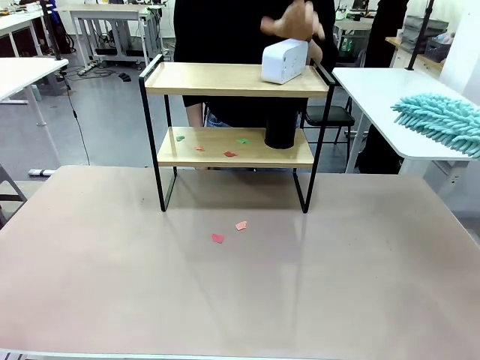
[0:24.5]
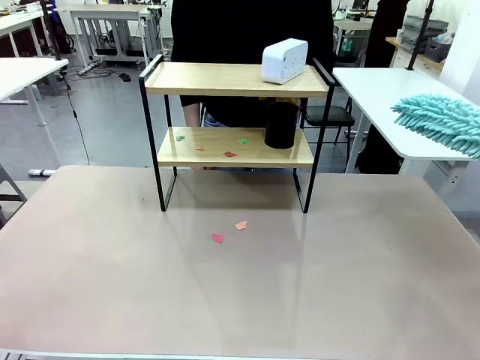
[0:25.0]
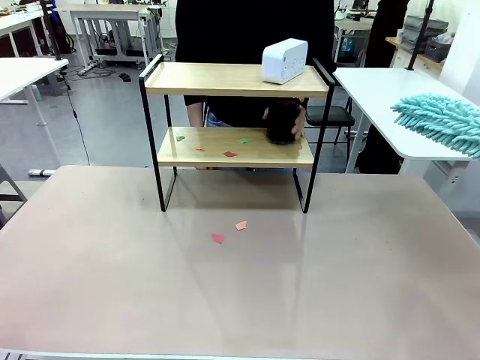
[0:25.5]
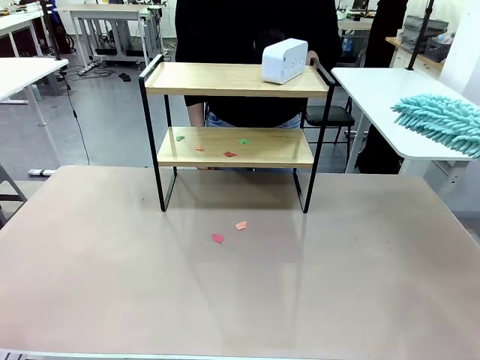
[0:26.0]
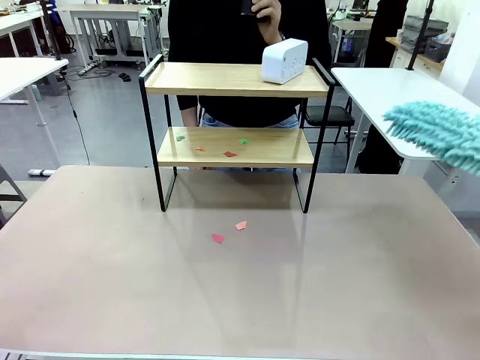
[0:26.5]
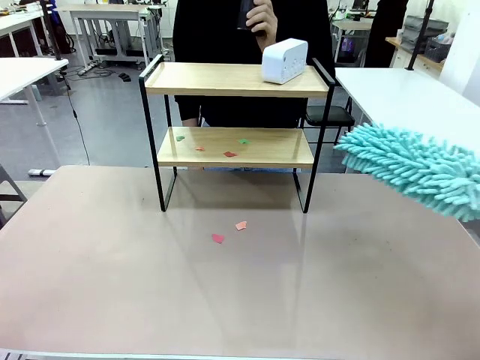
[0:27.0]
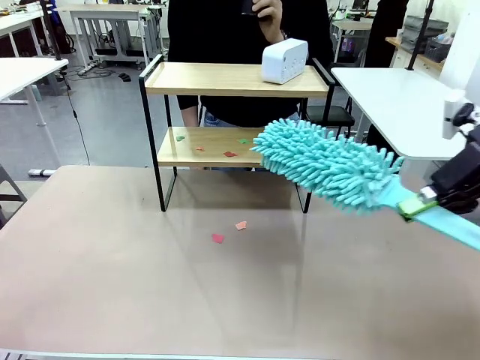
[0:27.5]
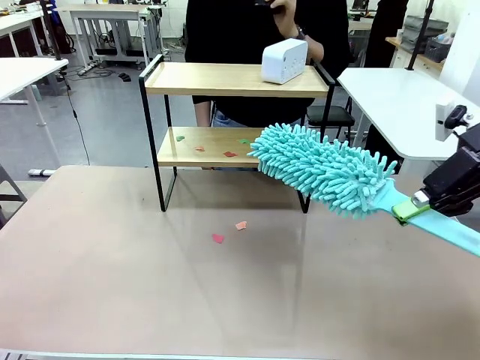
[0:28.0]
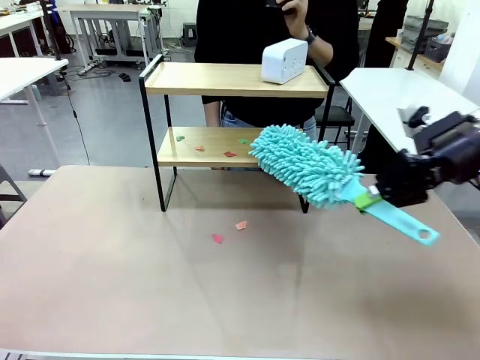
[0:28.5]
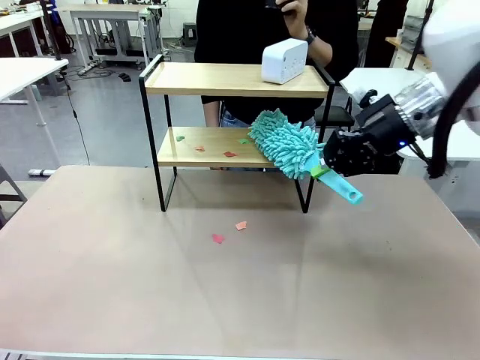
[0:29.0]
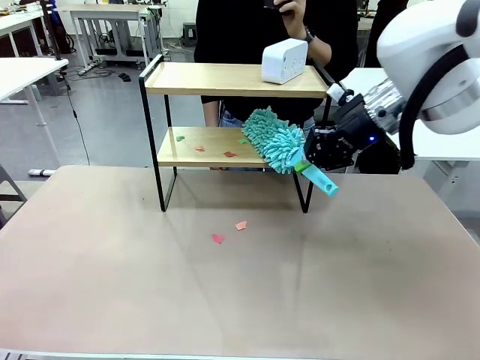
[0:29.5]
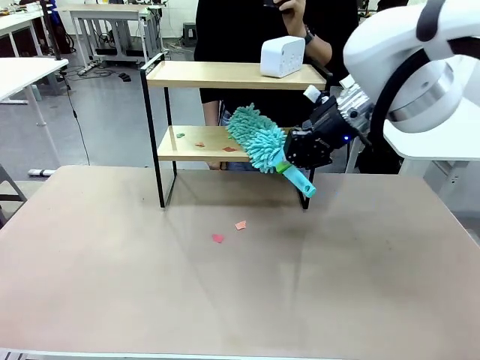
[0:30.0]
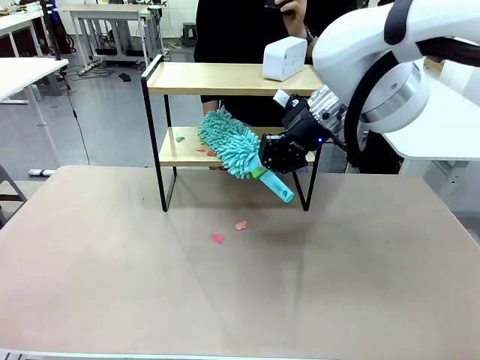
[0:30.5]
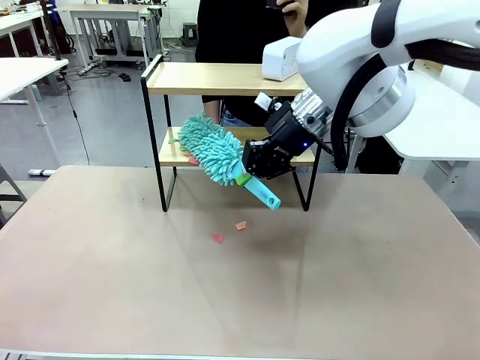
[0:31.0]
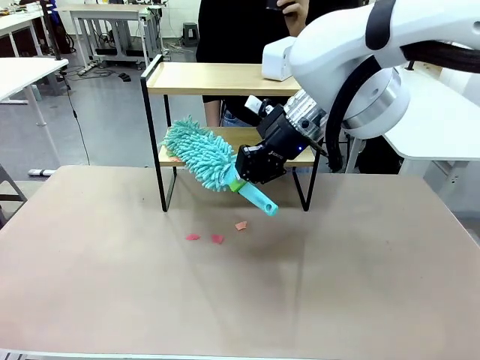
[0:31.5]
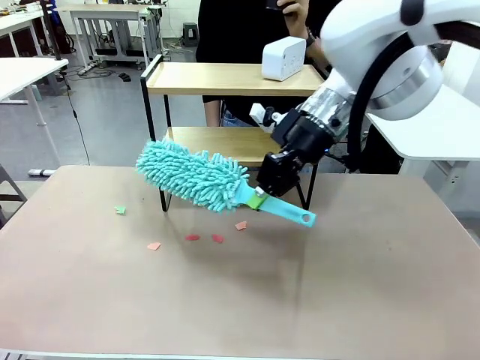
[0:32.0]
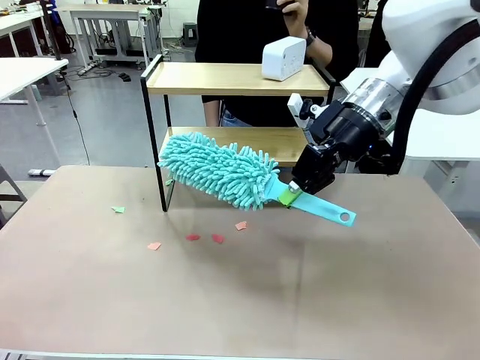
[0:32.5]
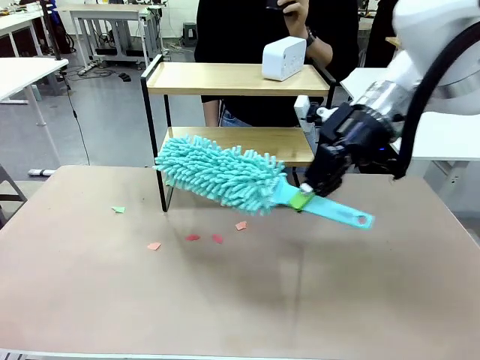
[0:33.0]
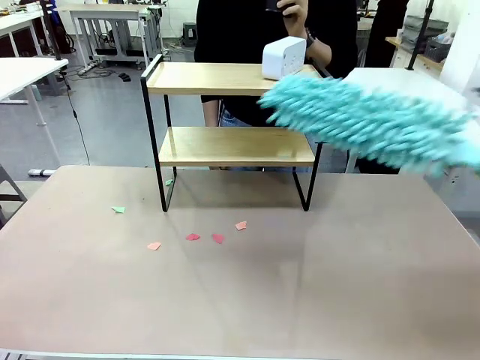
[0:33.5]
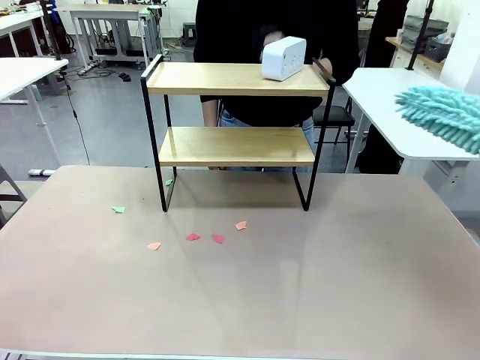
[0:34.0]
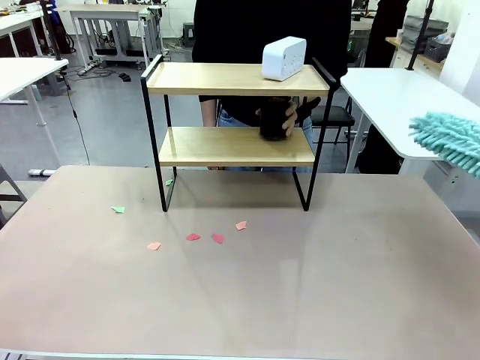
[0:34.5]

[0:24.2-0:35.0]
Task: Clean the shelf.
Robot: Clean the remaining tier of the Shelf with the Duster once objects are removed.

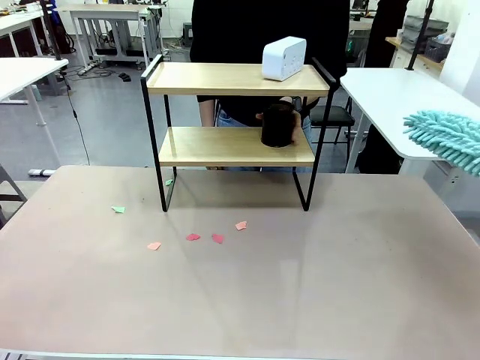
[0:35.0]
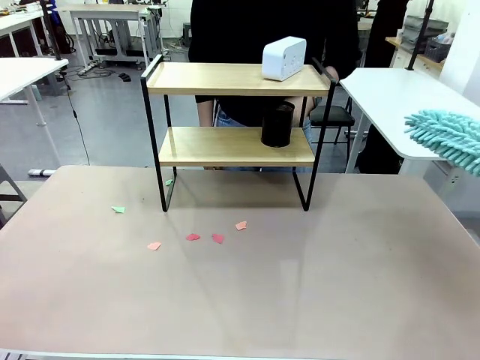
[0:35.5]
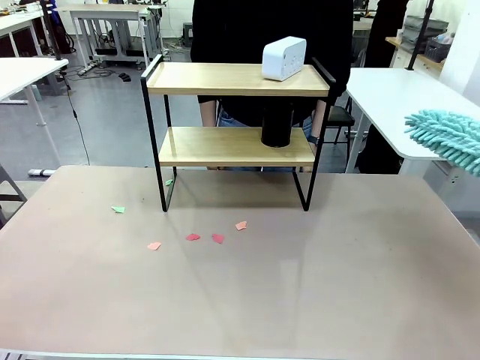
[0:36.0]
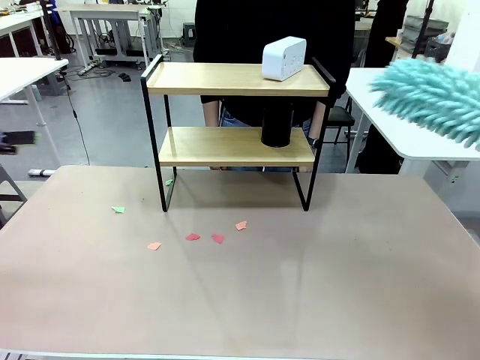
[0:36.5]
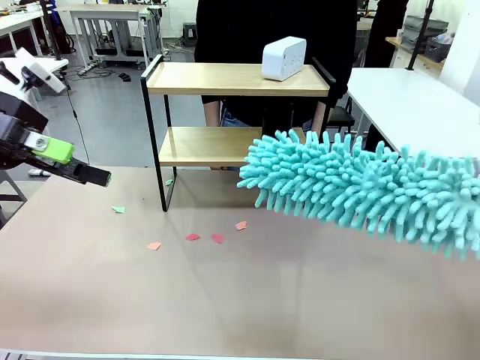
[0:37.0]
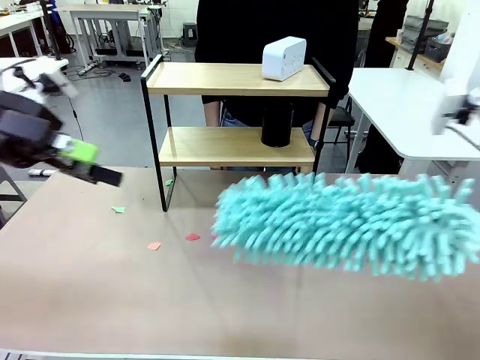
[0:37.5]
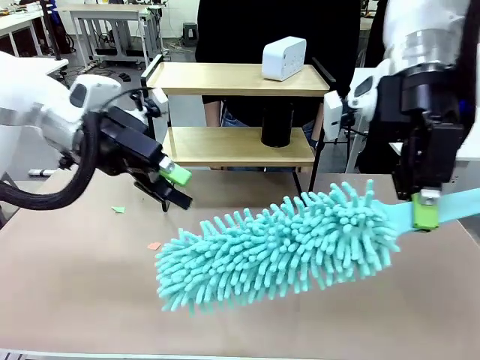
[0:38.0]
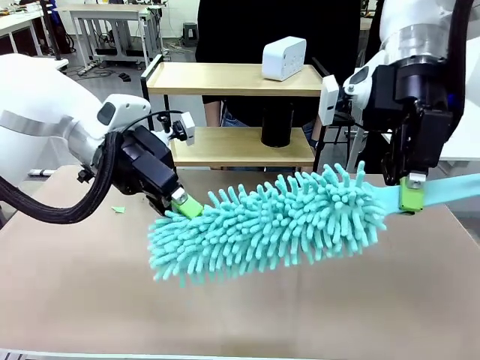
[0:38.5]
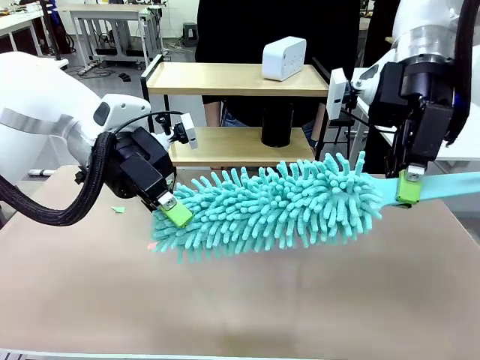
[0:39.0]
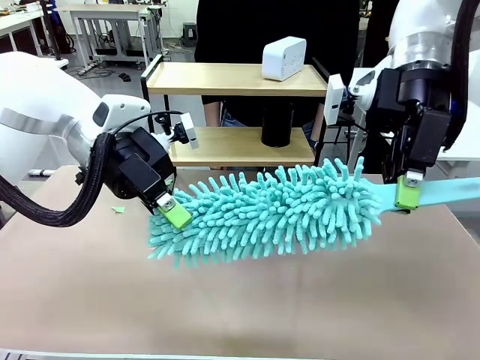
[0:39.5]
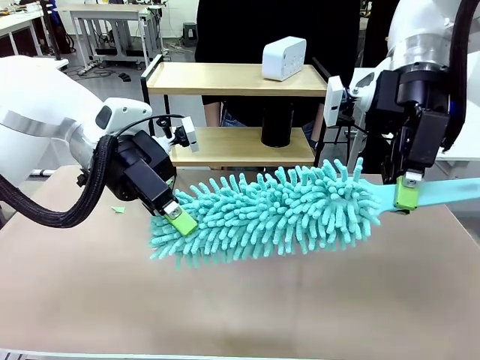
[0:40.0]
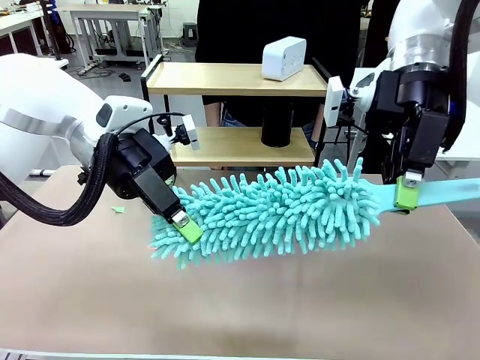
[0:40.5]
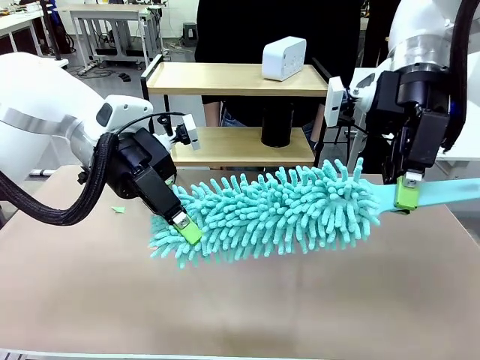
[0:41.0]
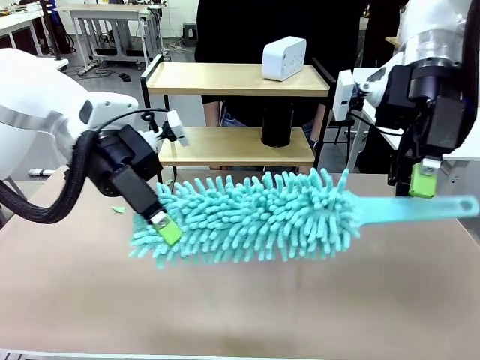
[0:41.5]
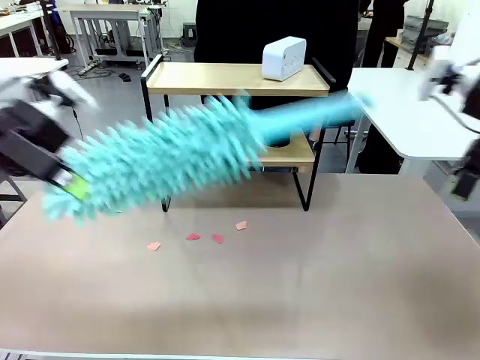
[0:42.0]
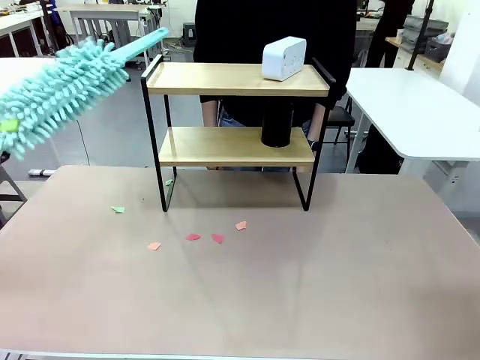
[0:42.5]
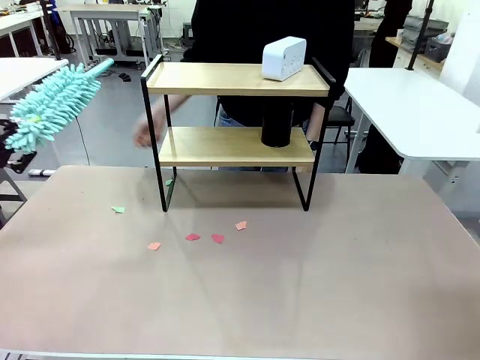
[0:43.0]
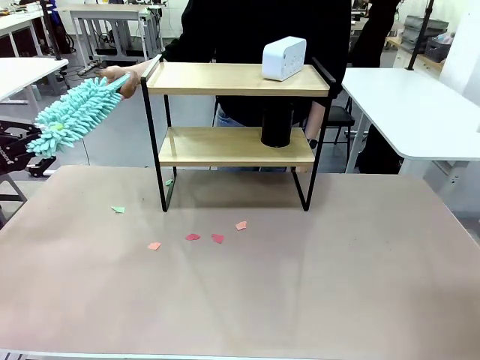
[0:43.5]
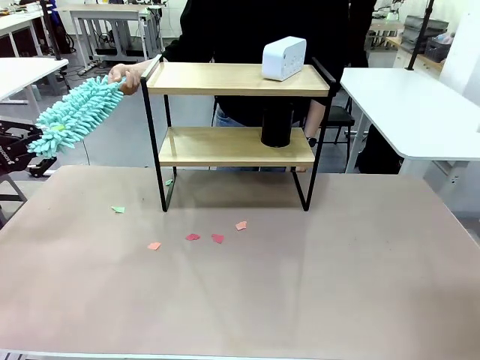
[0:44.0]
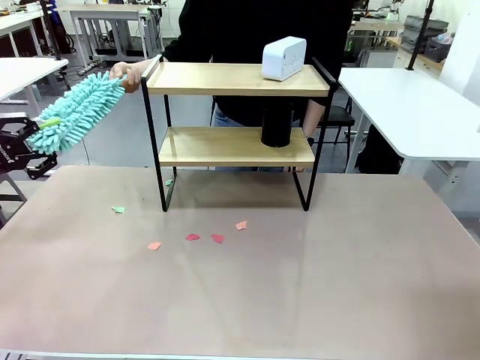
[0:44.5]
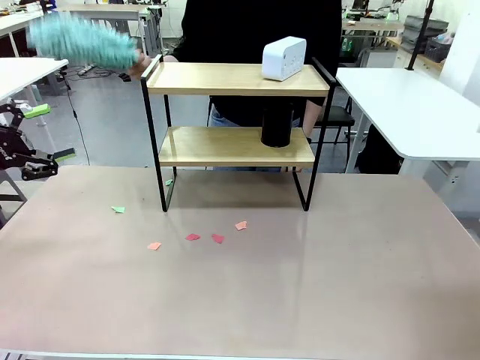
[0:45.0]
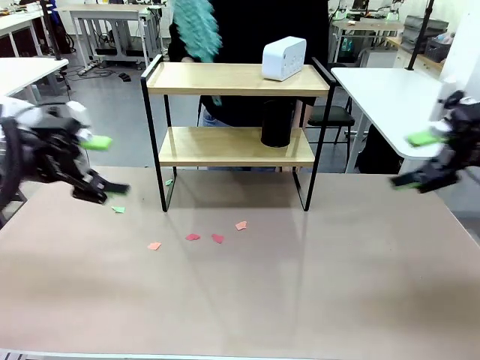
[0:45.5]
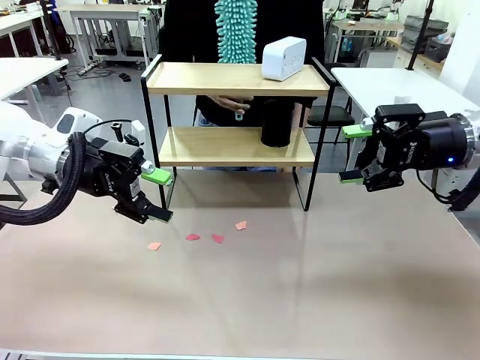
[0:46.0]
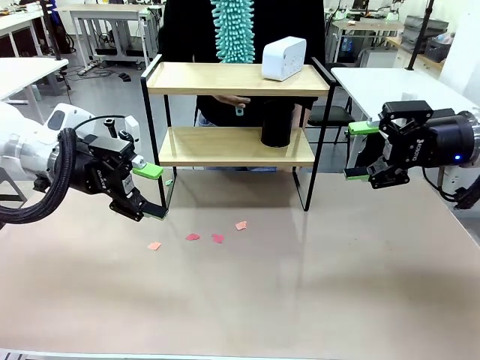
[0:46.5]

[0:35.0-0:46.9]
Robot: Hand the Duster back to the human.
Person: Receive the Duster from the robot.

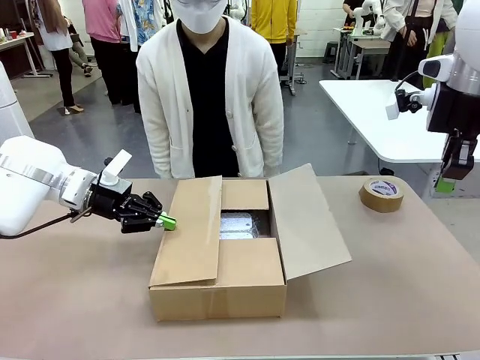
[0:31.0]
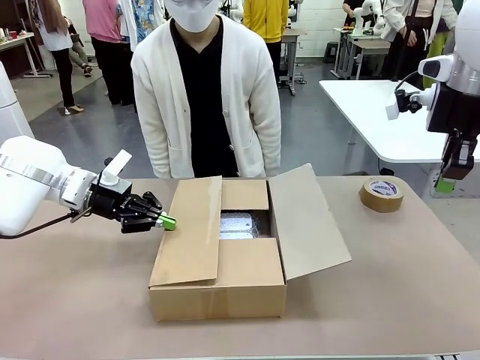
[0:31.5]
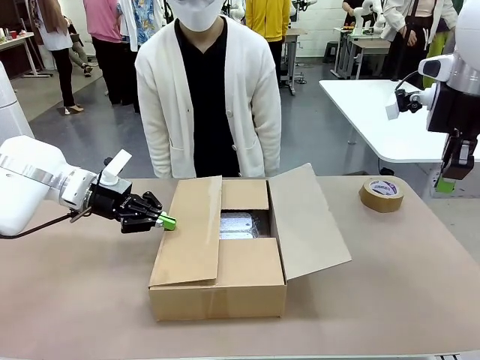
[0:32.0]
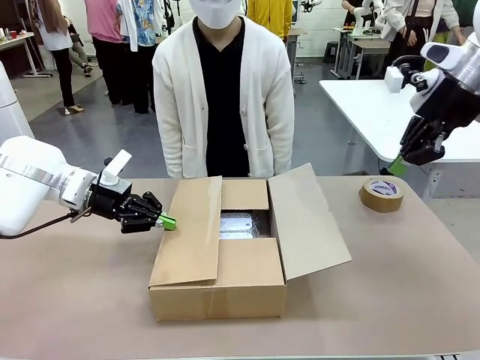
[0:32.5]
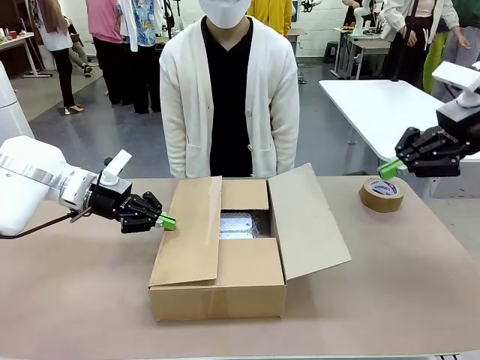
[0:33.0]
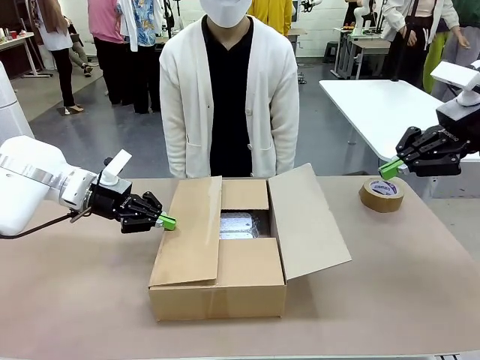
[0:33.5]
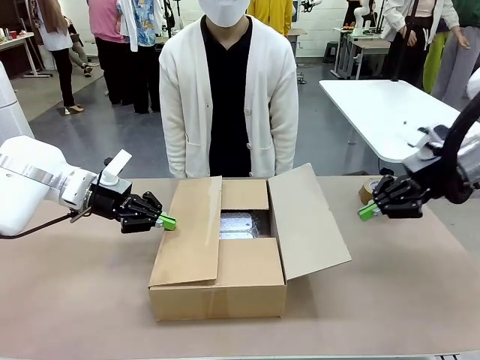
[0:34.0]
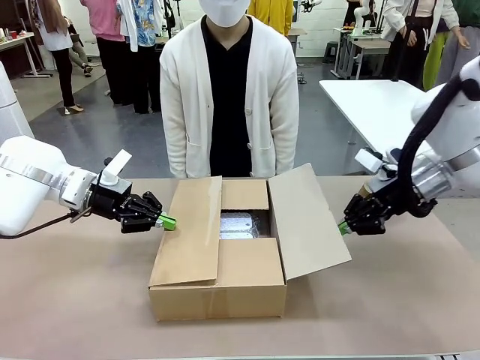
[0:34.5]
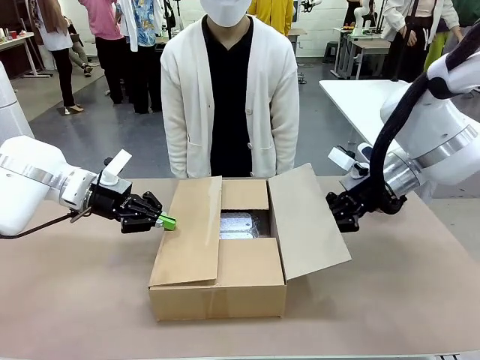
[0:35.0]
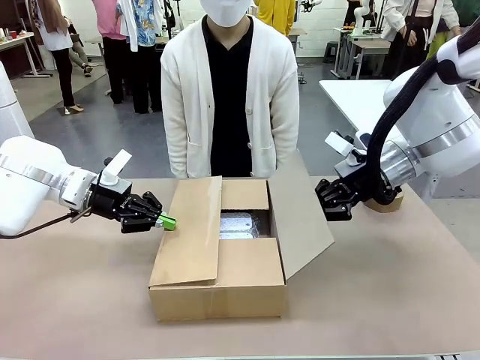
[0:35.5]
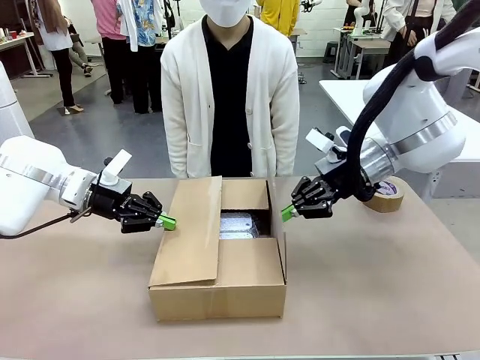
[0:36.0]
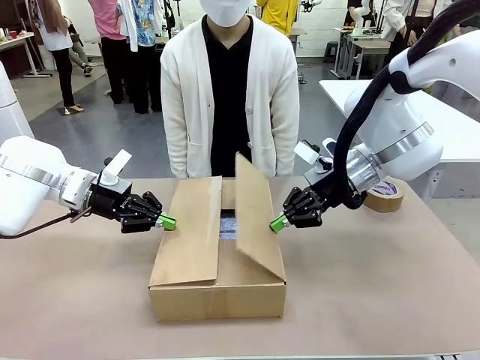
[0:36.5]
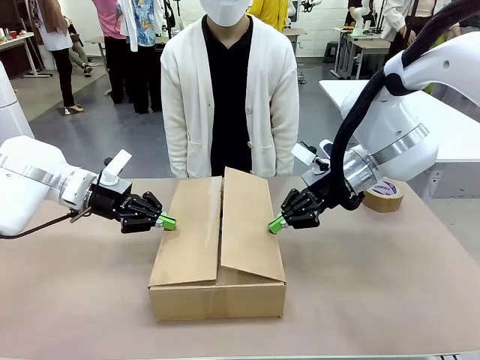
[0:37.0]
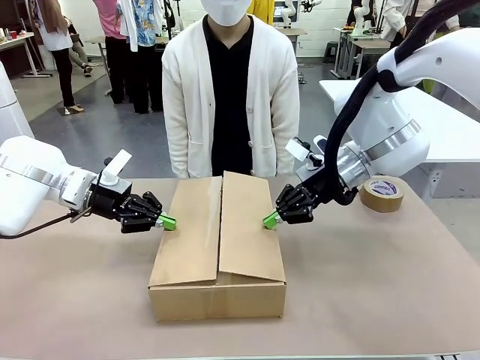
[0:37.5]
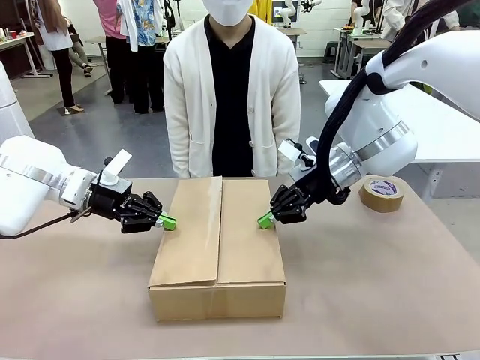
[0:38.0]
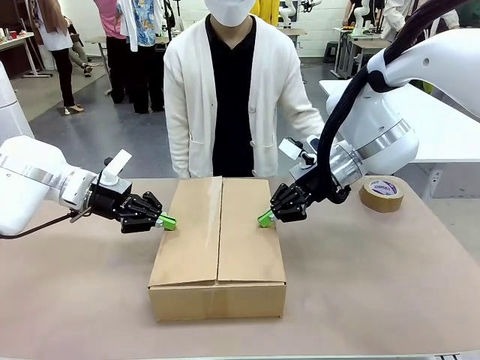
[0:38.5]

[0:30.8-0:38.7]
Task: Wrap the clocks to prevent damage.
Robot: Push the left (or right) flap of the Package Box to close it.
